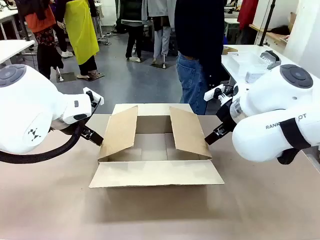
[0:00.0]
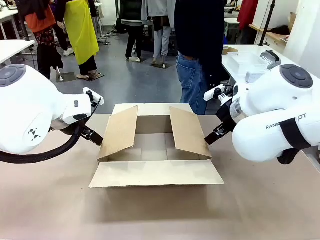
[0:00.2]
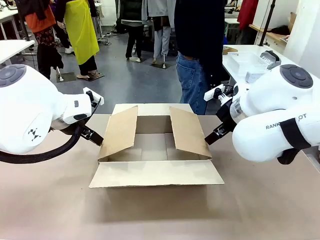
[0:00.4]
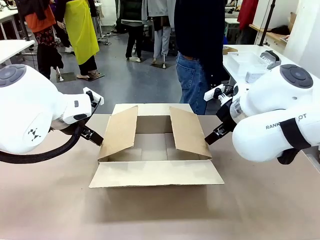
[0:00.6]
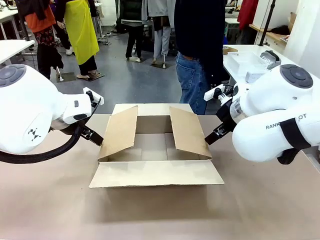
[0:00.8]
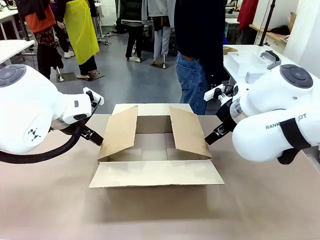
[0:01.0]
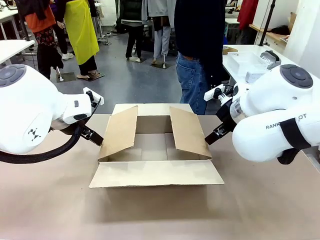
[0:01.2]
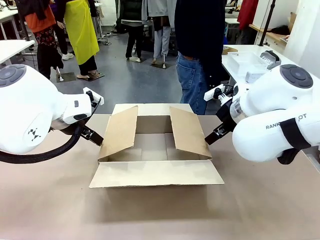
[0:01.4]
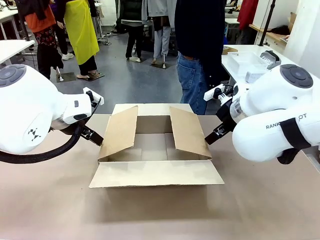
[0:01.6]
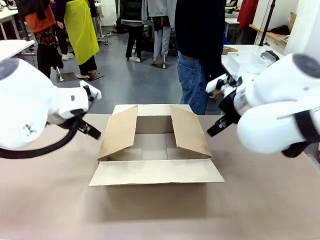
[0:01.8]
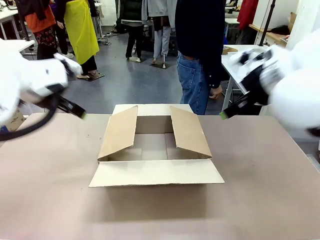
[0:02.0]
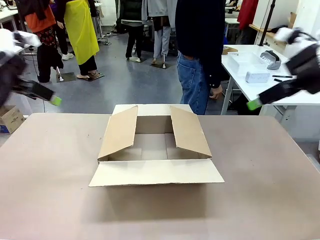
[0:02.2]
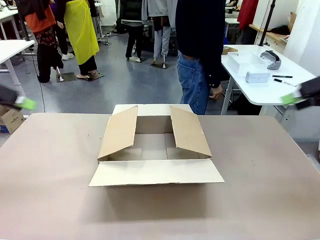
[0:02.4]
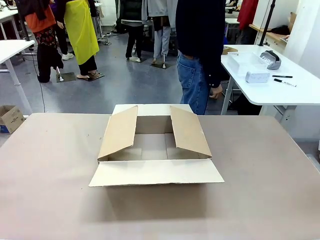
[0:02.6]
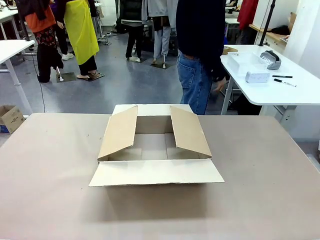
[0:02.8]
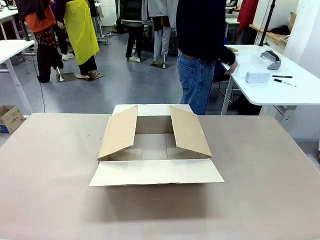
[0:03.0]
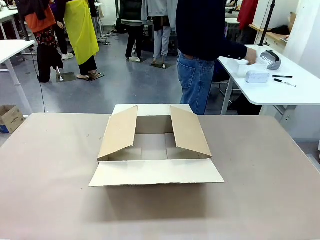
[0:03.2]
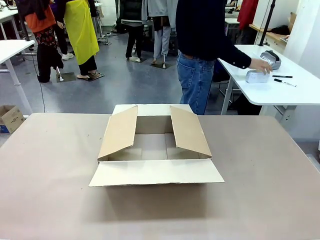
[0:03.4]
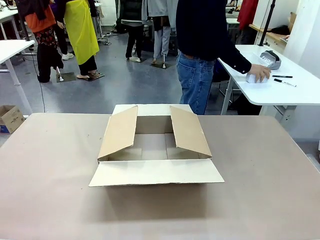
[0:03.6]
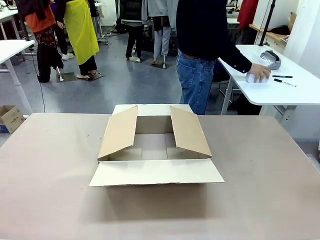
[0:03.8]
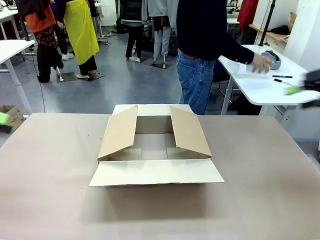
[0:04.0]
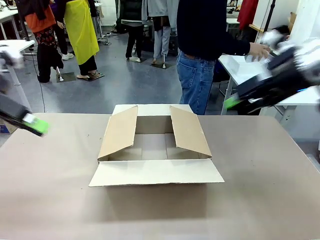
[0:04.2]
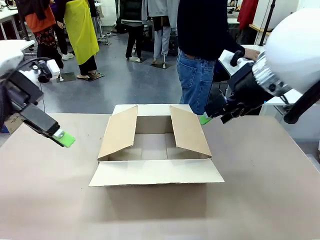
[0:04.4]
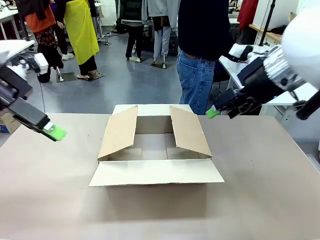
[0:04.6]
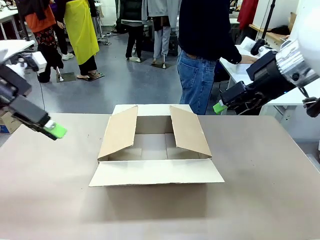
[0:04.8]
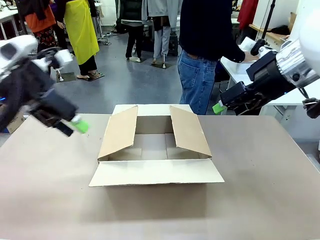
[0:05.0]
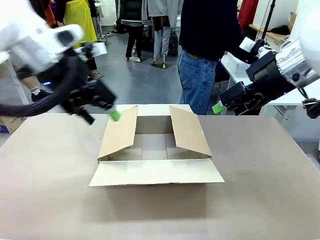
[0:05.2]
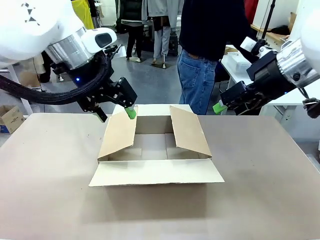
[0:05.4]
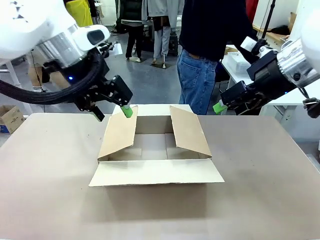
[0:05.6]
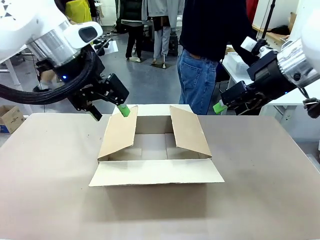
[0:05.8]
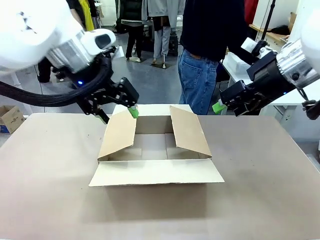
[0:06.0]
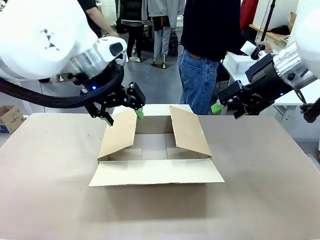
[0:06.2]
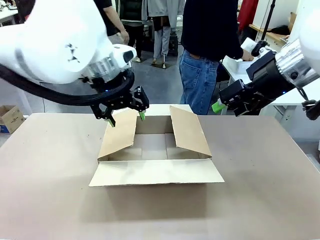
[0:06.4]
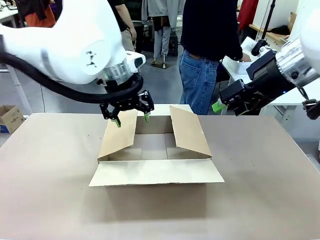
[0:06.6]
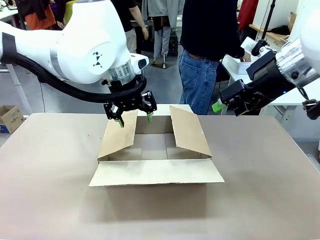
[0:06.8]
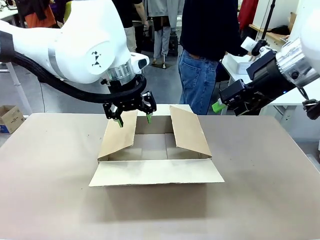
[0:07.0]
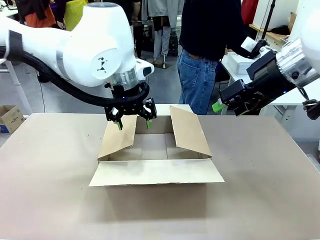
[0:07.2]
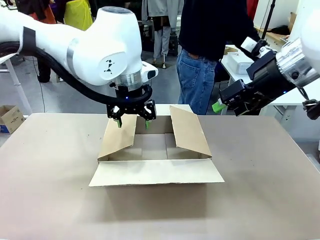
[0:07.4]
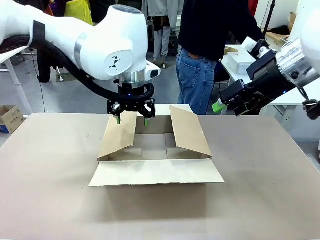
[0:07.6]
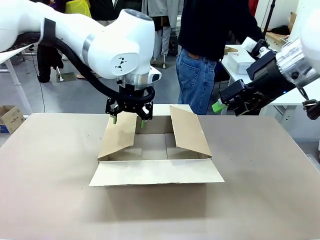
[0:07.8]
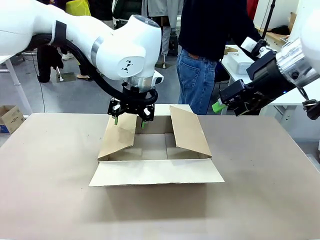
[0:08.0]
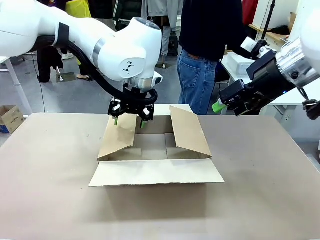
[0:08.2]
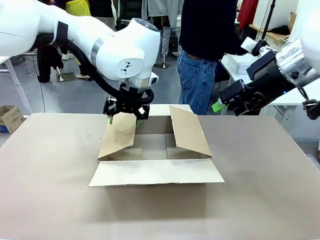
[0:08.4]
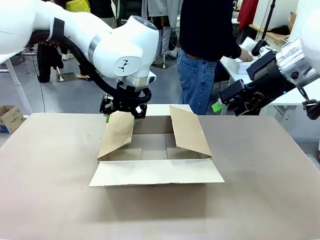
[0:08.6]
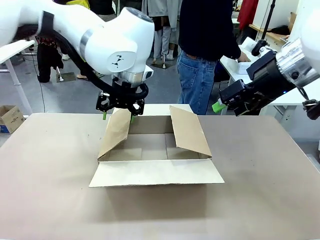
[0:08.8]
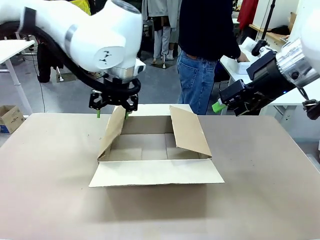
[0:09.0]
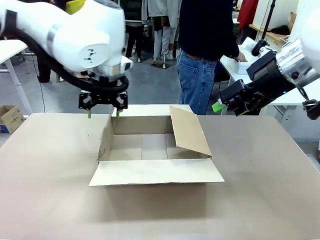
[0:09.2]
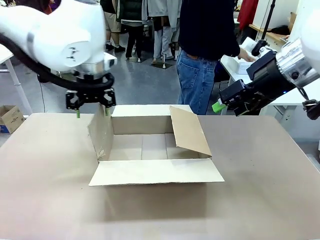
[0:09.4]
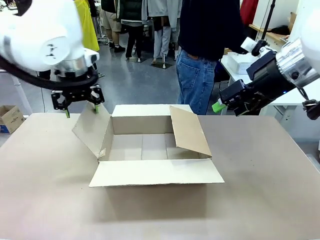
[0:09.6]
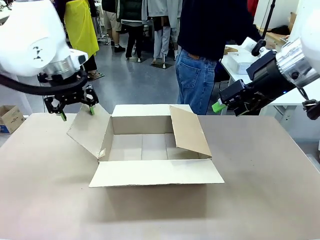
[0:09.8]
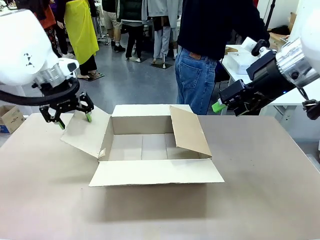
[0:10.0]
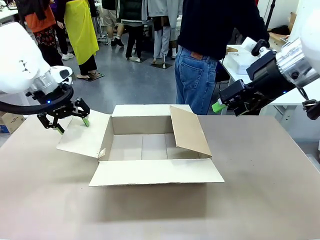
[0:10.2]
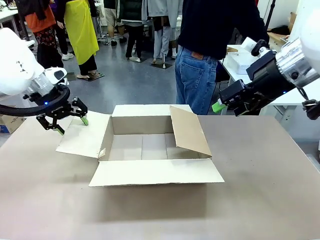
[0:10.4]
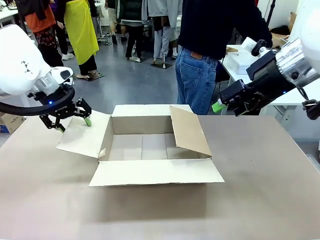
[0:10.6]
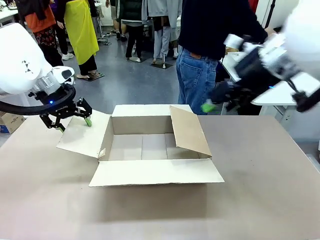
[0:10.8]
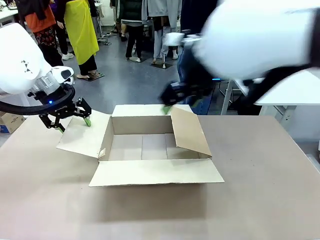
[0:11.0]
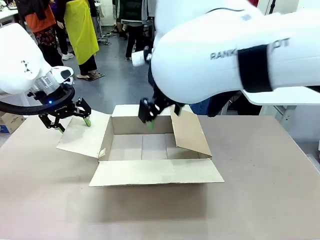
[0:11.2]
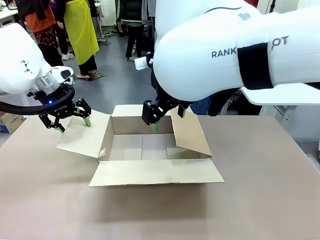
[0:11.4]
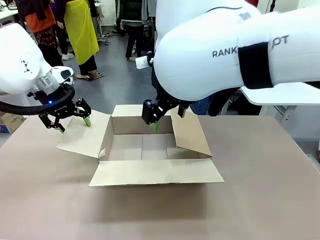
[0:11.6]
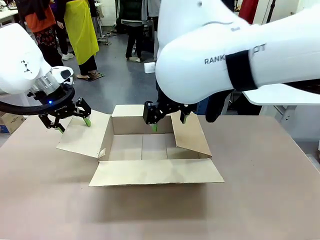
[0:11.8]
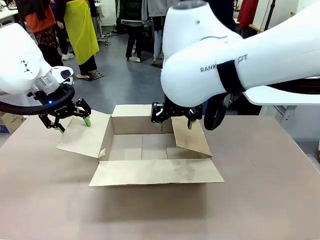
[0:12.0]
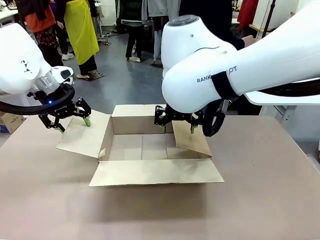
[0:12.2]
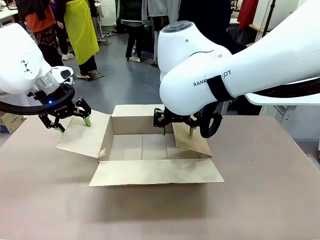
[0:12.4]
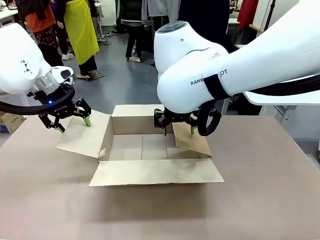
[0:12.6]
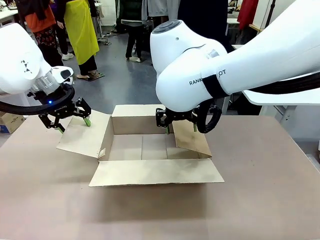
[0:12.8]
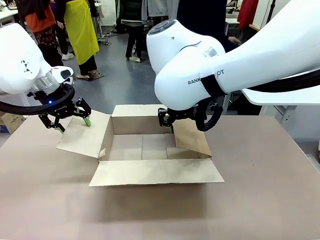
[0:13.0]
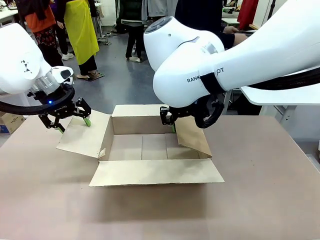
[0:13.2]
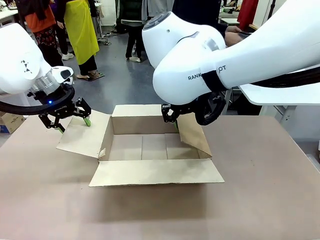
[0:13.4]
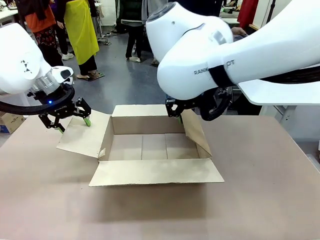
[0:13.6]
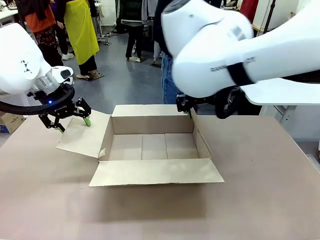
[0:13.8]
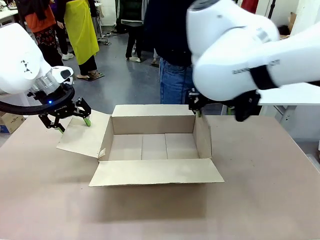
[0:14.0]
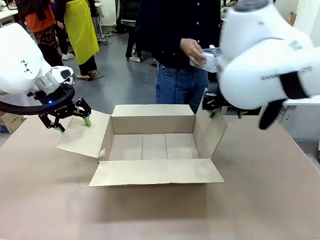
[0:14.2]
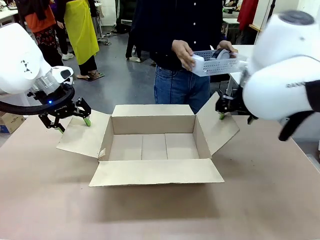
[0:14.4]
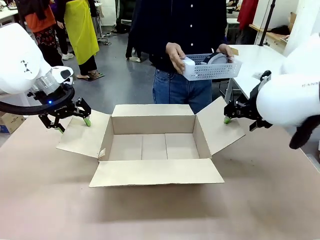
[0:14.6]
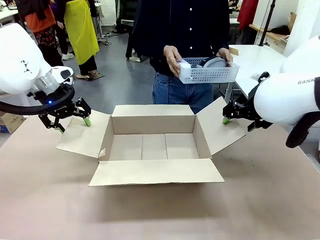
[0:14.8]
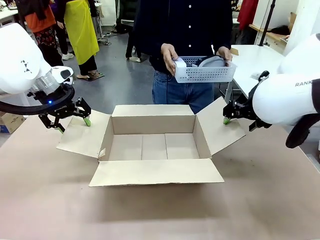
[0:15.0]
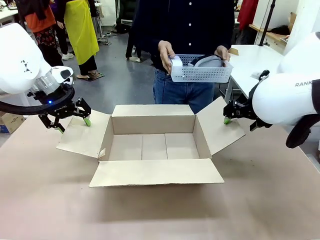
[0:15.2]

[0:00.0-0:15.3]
Task: Pack the gift set into the box.
Robot: Place both hands on the side flaps of the Package Box and spread them outward.
Person: The human places all items except the paper tape into the organizing basket.

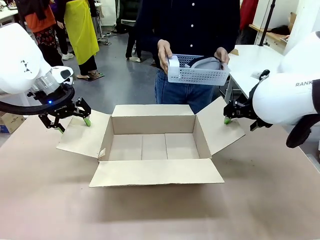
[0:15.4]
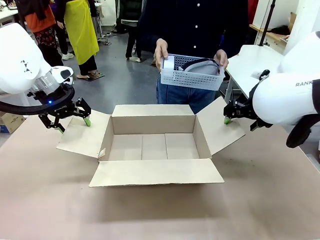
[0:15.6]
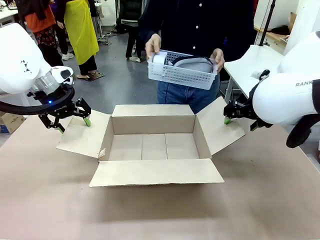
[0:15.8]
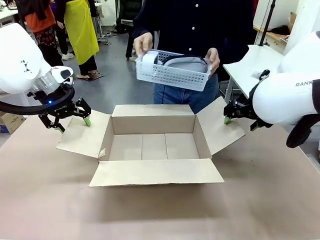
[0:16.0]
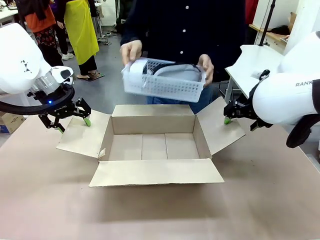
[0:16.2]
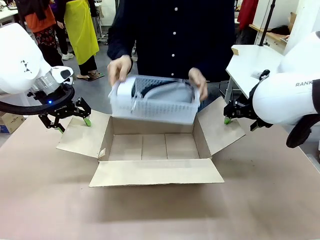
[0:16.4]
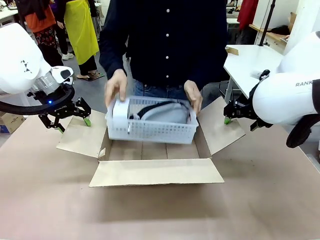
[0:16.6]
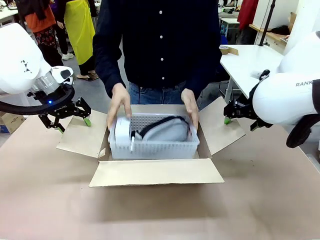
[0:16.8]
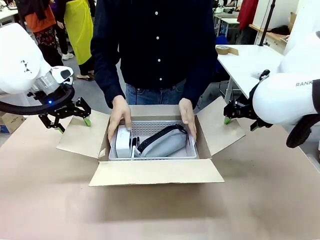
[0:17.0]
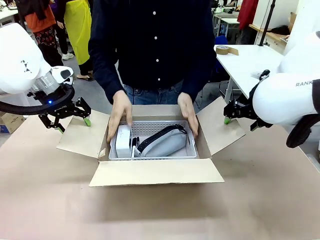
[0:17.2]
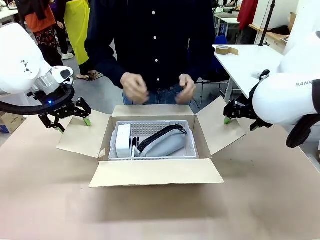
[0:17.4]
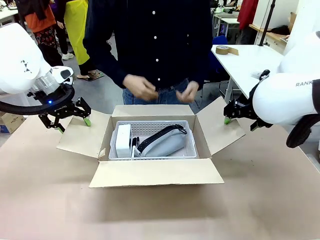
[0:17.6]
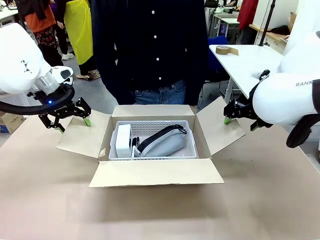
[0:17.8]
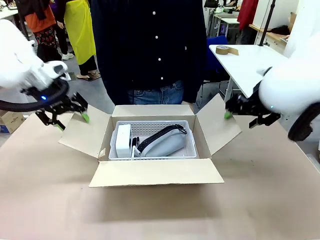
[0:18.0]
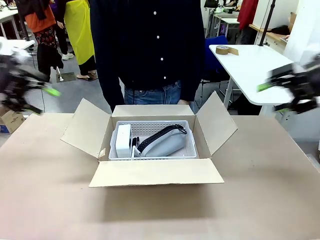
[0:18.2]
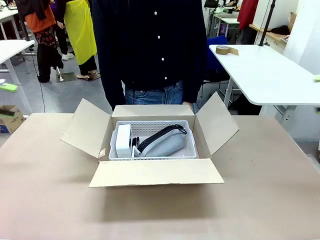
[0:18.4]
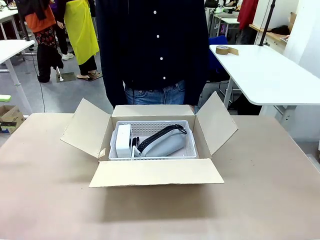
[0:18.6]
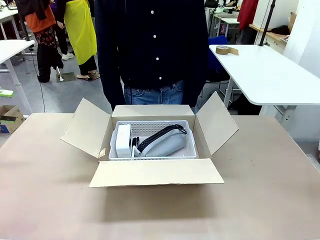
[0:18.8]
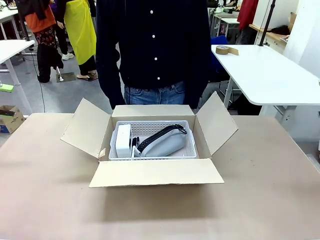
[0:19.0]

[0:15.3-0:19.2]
Robot: Lift both hands away from the flaps of the Package Box.
Person: The human picks up the organizing basket and places the organizing basket into the package box on the robot table.
